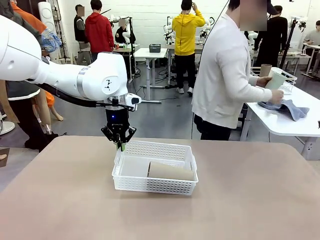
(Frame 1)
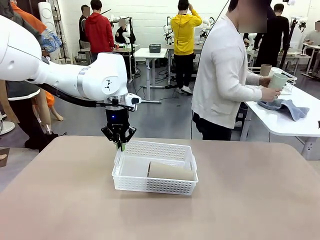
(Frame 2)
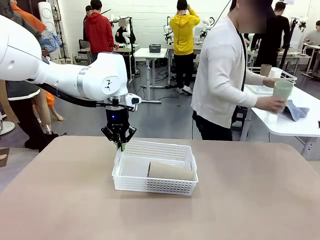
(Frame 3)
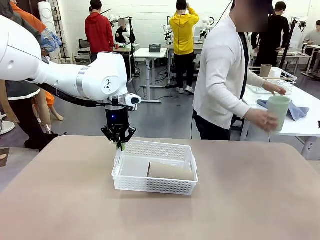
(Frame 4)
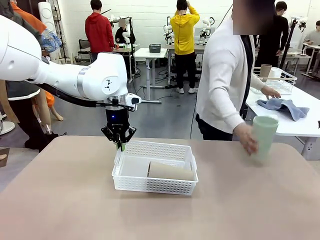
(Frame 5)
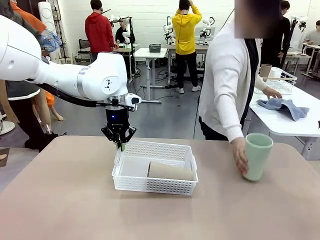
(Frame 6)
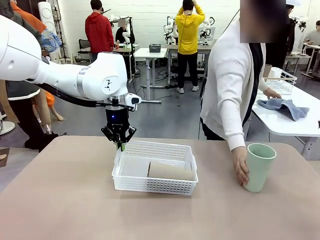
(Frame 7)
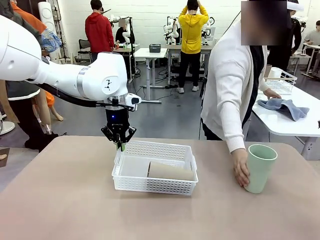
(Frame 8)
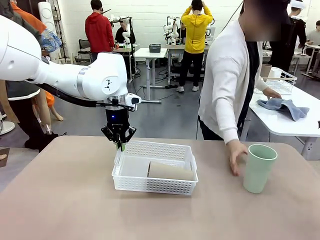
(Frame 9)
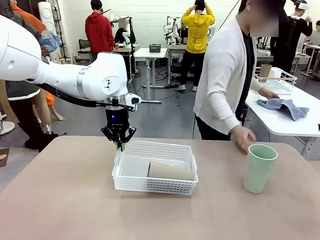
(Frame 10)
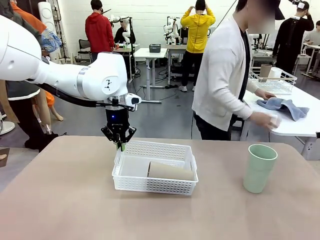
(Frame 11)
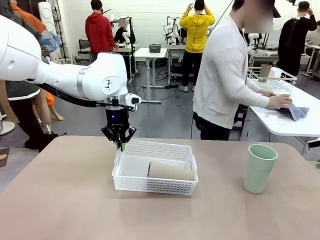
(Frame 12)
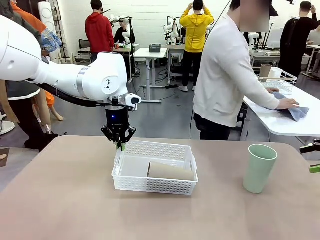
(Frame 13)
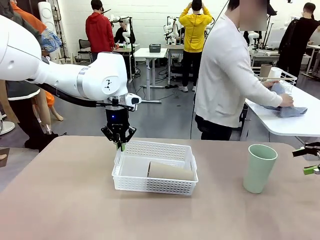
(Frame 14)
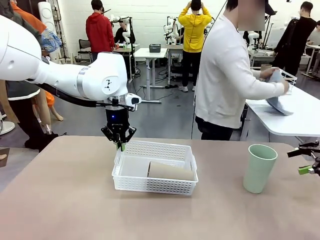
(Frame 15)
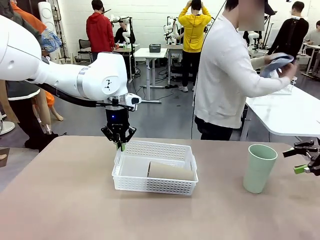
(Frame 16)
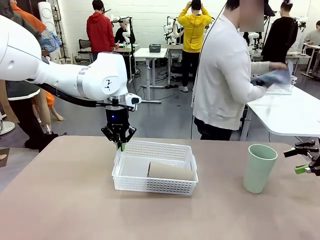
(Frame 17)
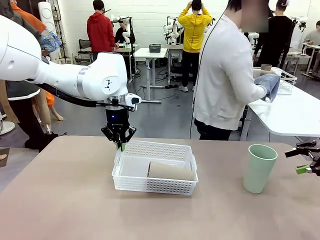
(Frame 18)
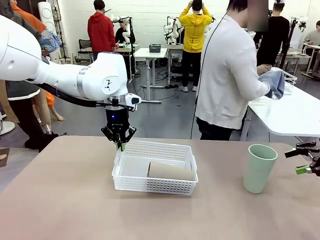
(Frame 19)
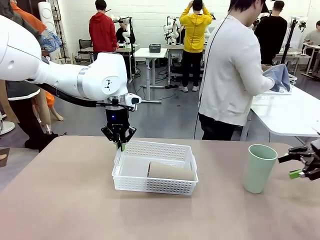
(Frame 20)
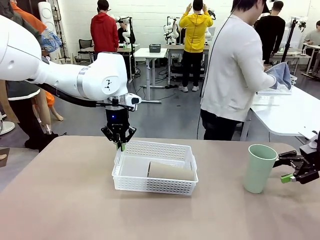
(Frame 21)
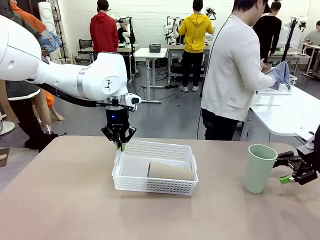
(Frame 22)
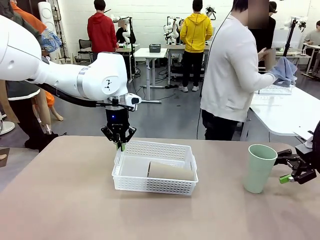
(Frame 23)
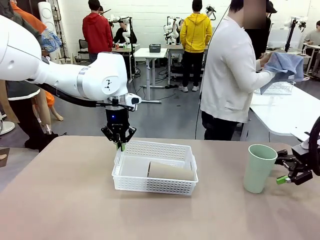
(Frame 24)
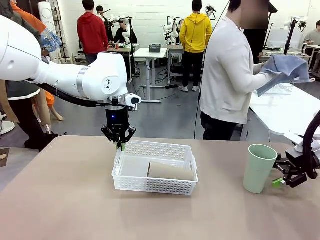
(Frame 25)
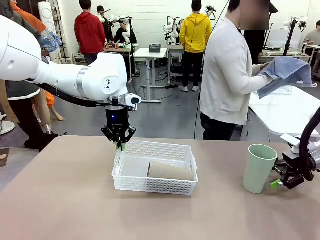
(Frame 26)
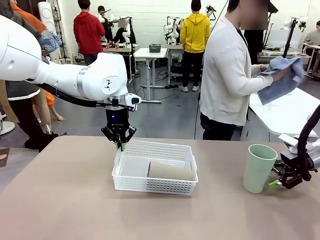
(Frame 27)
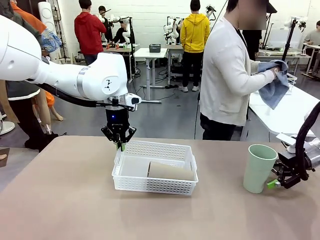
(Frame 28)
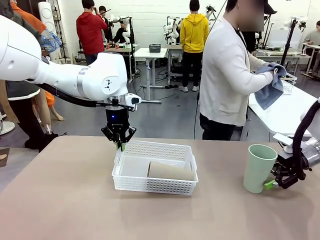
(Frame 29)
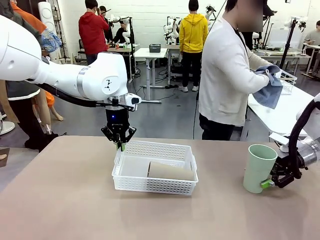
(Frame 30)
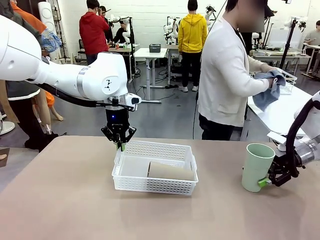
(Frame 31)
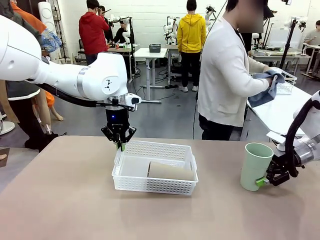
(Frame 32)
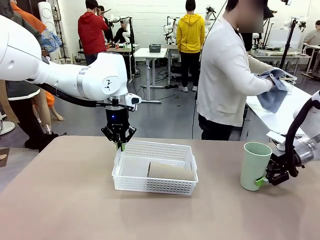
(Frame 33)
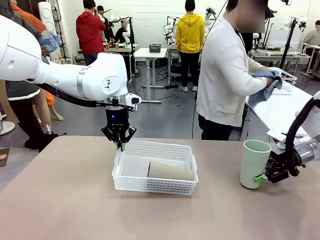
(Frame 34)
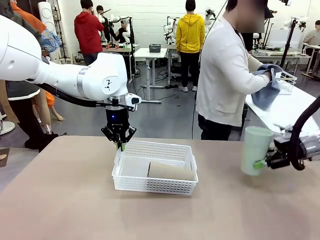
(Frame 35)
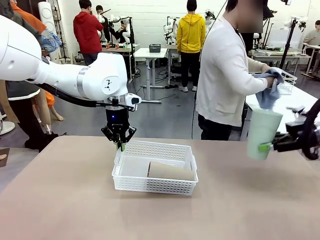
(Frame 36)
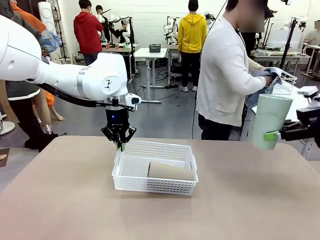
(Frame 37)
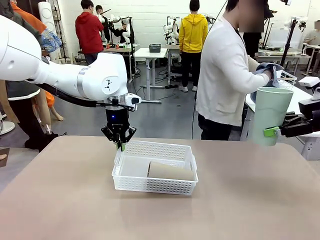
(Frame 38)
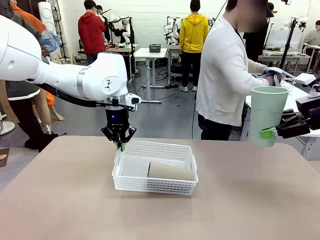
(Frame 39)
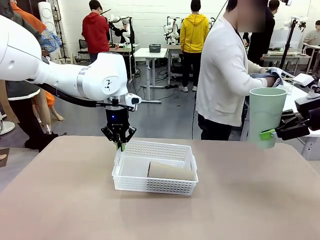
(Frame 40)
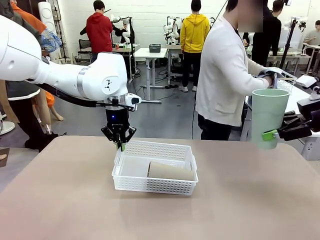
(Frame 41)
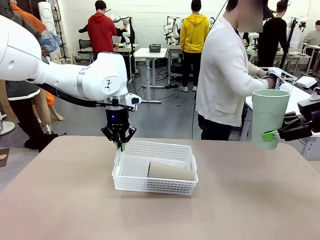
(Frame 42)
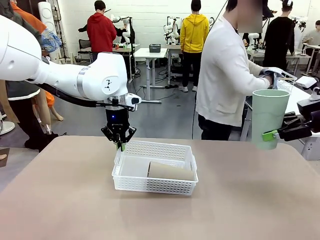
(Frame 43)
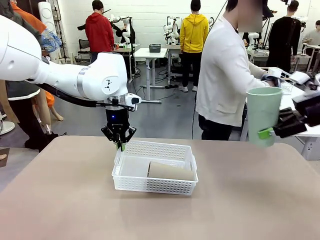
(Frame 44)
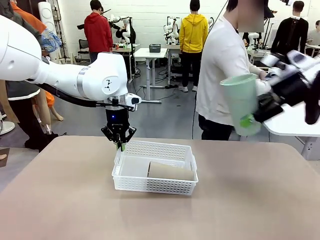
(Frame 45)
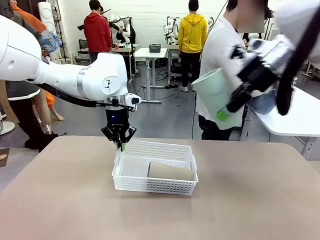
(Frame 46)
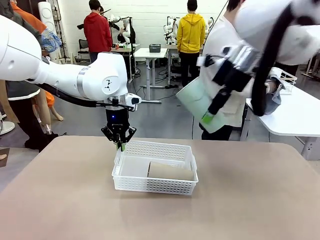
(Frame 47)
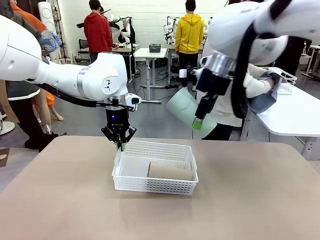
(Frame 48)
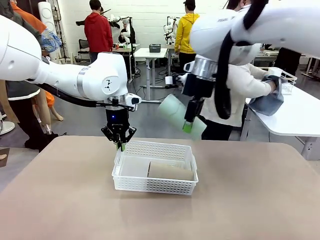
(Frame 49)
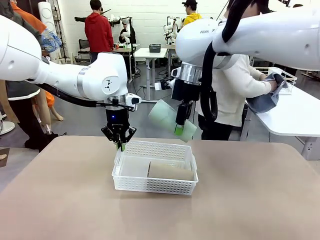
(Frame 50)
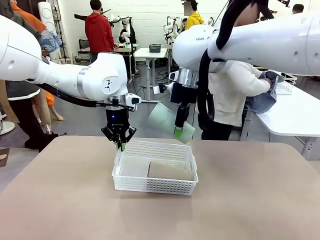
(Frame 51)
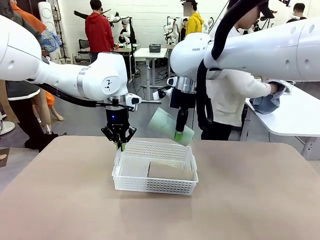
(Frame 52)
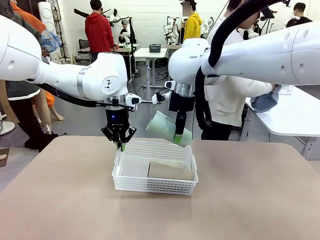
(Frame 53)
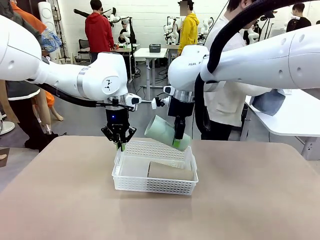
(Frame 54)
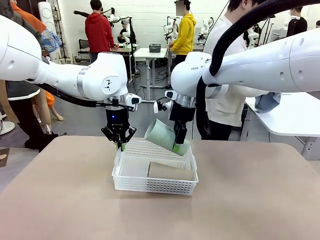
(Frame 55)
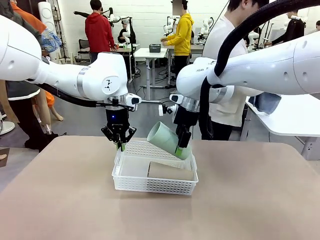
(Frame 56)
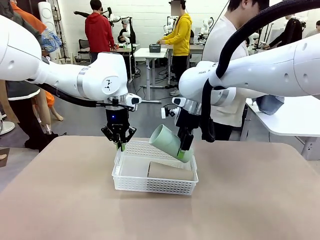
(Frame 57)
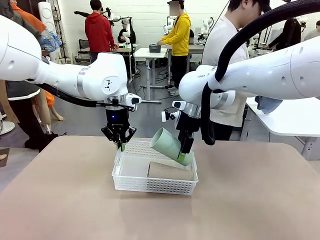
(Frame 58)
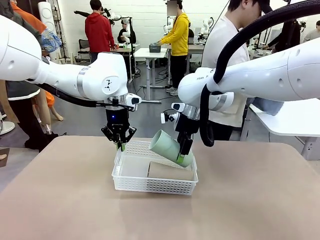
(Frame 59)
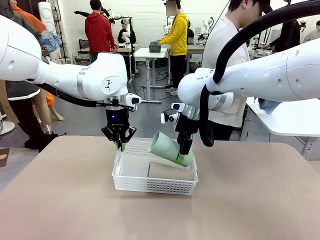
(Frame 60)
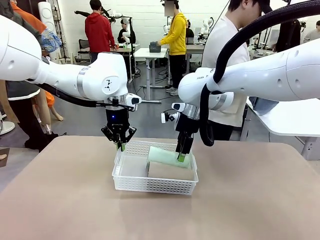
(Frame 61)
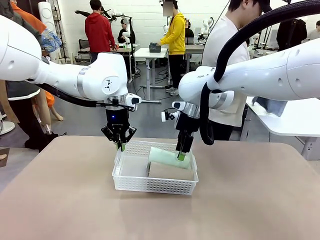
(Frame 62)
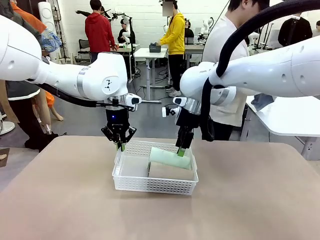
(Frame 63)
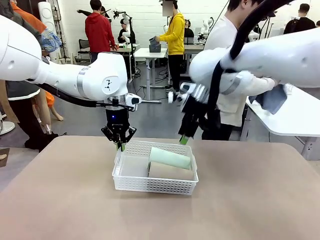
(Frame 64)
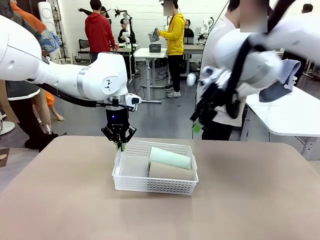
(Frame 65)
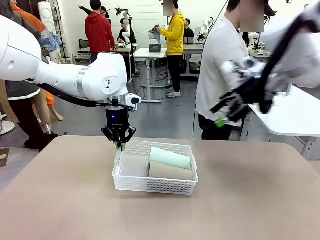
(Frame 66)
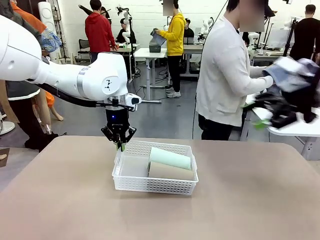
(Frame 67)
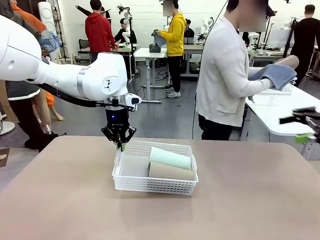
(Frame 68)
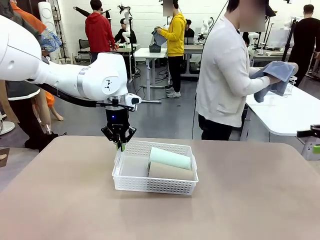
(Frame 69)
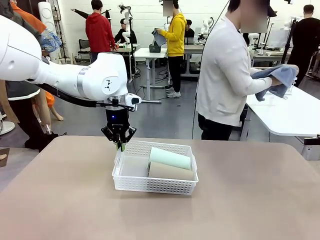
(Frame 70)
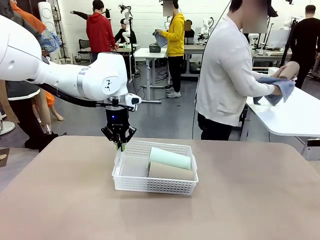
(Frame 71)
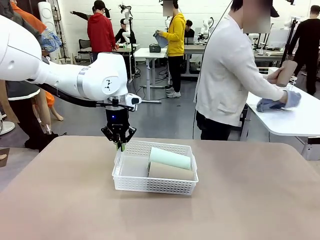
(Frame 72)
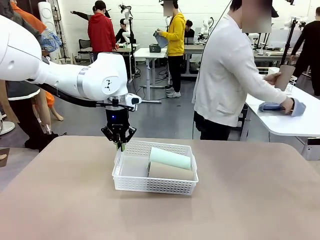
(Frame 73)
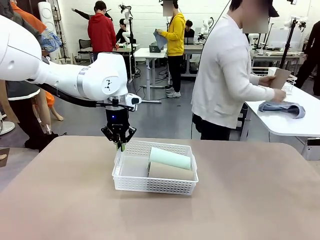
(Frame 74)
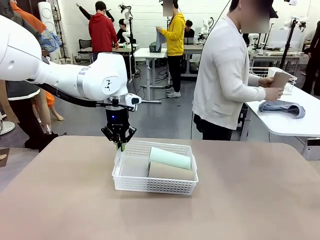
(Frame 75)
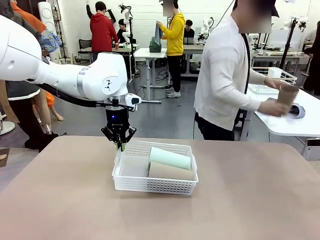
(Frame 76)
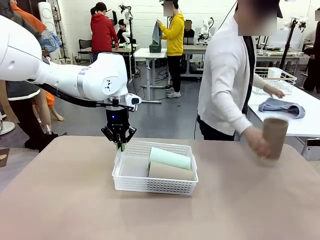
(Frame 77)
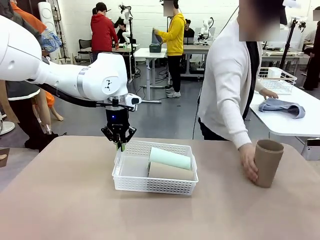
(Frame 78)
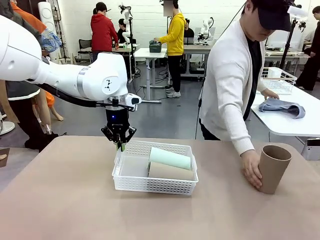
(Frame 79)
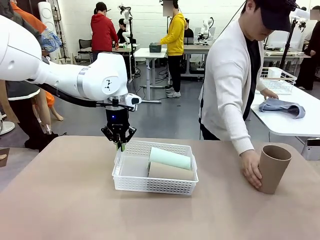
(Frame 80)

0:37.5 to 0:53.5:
Task: Clean and organize the cups into the basket.
Robot: Pick up the Reusable plastic cup from the right side of the table and stack it inside the Organizing basket in the center of the table.

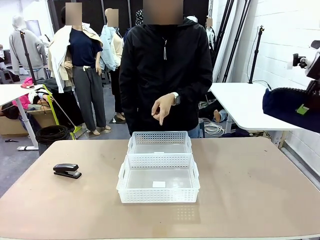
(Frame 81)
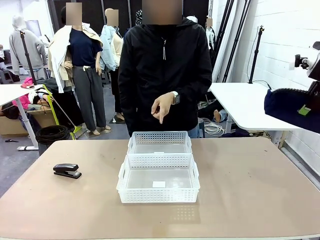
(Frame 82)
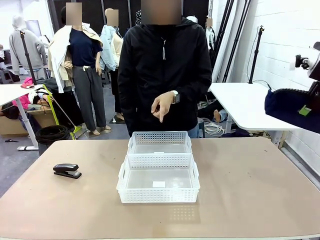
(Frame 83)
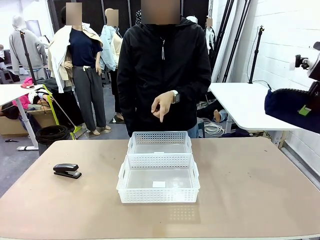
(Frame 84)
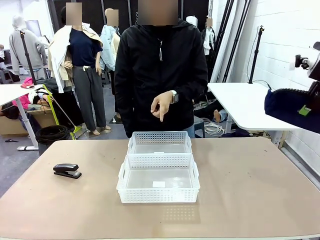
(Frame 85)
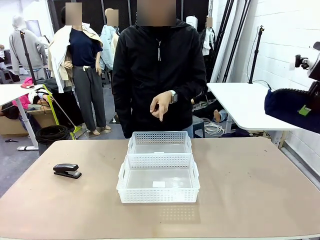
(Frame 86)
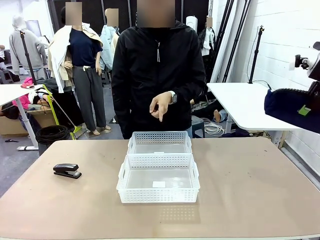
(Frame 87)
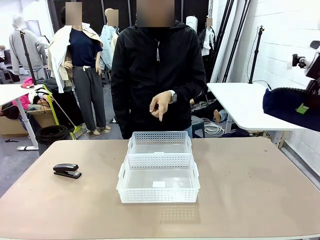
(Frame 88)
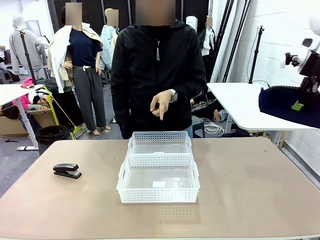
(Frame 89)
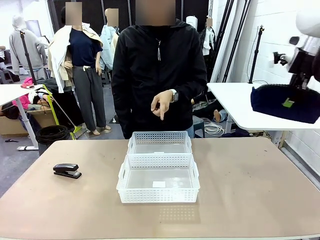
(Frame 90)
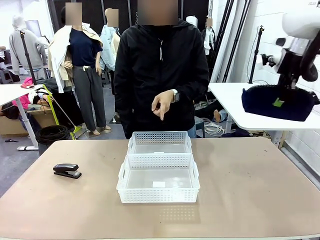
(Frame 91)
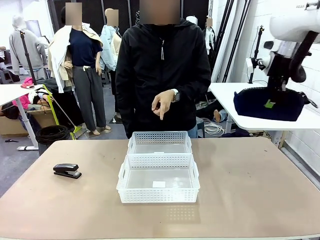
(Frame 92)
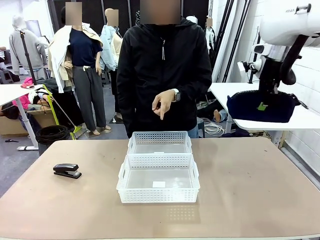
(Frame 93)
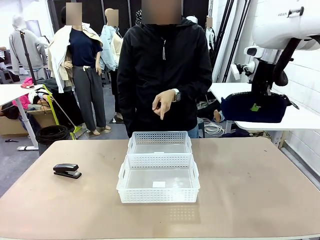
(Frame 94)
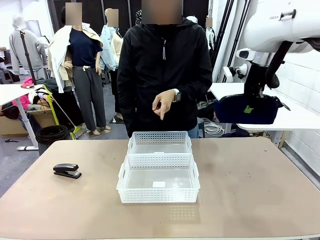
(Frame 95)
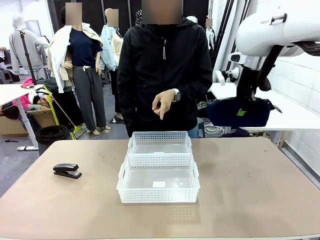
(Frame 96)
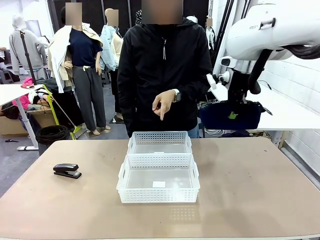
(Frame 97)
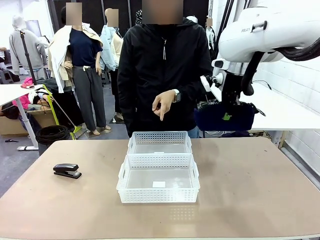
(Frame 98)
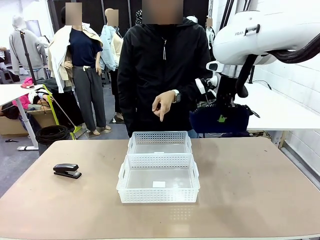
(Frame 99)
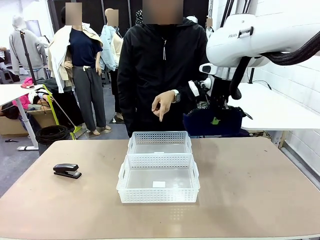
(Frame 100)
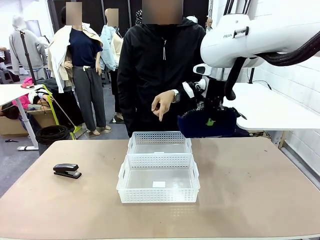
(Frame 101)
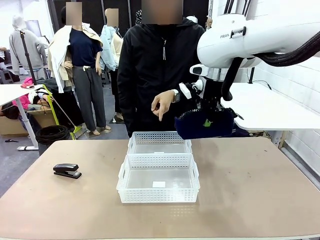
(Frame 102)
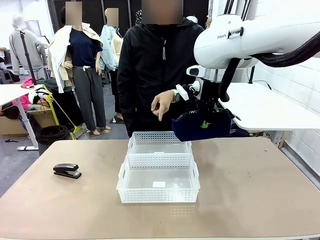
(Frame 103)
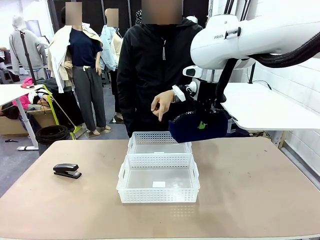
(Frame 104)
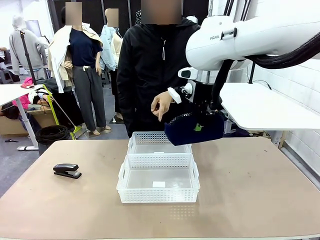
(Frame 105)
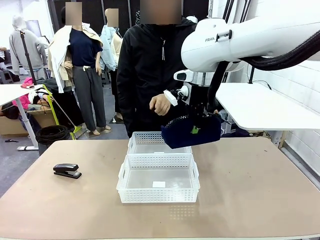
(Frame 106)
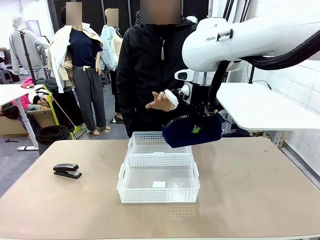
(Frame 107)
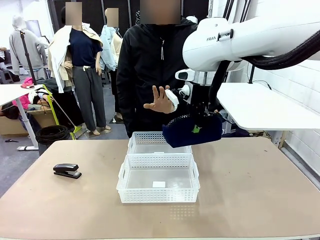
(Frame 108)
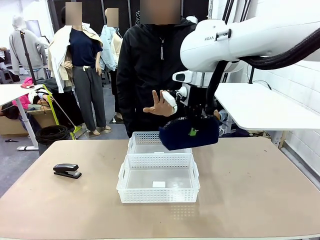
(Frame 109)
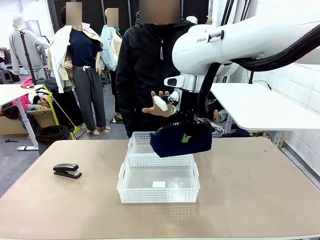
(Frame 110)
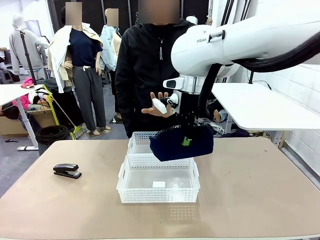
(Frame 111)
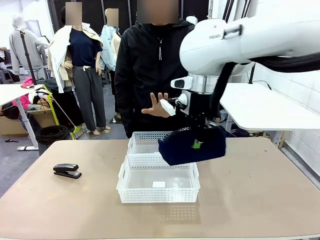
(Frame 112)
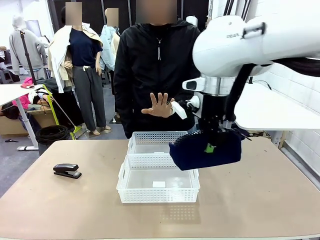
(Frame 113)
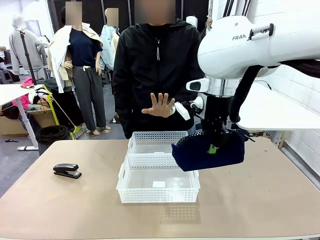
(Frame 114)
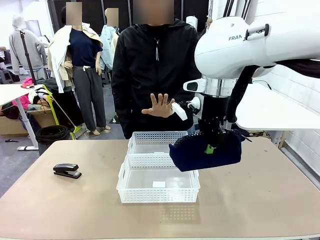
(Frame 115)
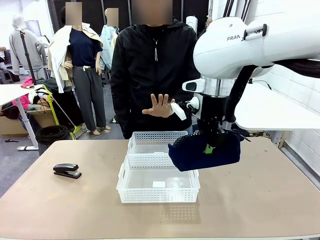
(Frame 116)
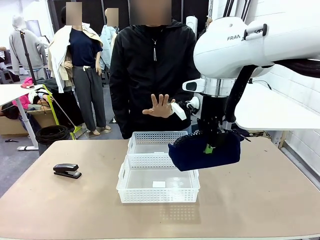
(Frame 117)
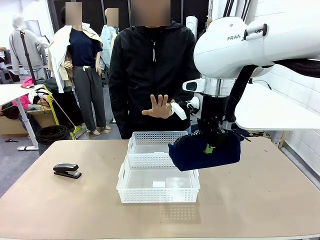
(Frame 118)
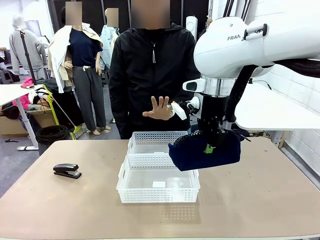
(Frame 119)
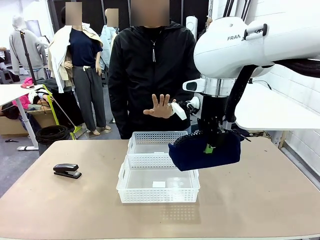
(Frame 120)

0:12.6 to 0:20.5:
Task: Distribute items into two baskets.
Robot: Move the picked Pencil pouch towards the Organizing basket indicated by the person, stopping as directed.
Person: Sends a stop gesture before the robot places the pencil case into the basket.
